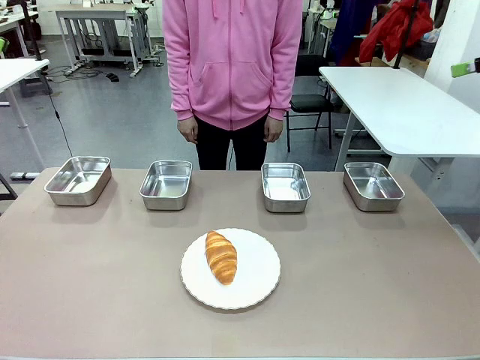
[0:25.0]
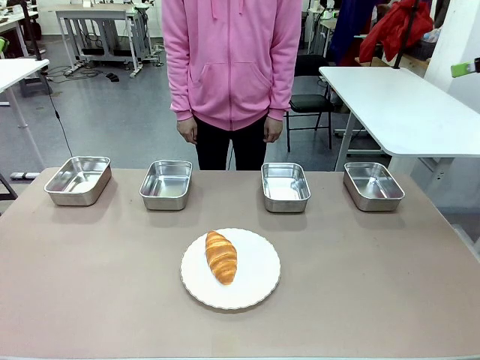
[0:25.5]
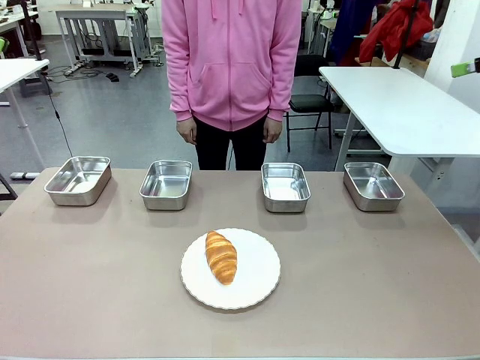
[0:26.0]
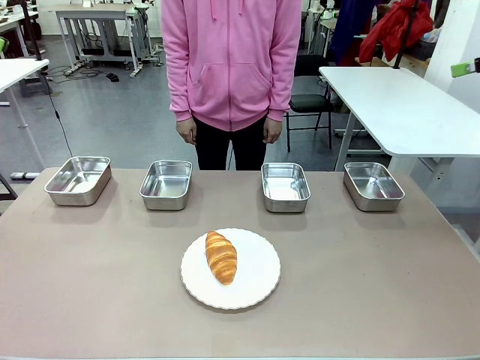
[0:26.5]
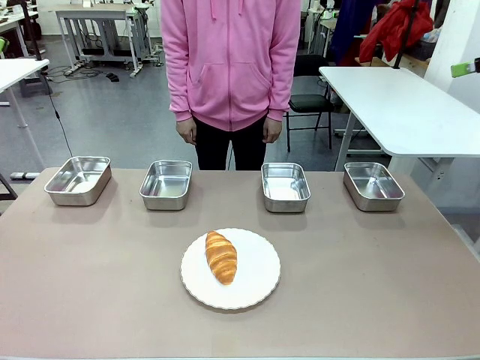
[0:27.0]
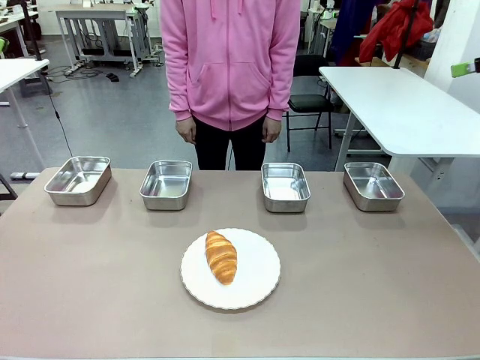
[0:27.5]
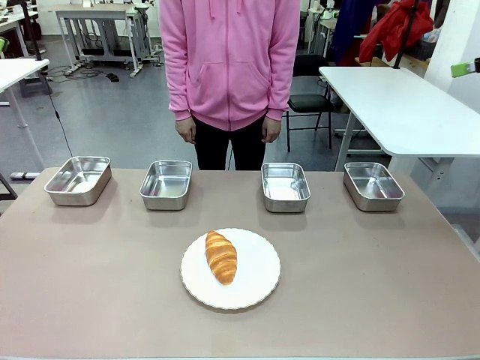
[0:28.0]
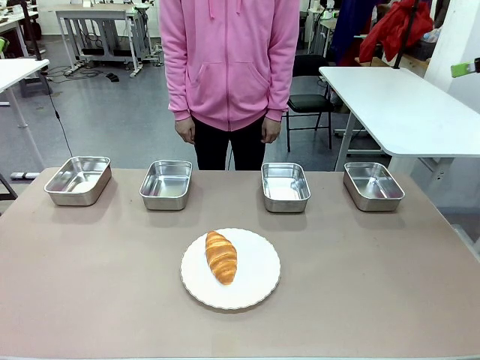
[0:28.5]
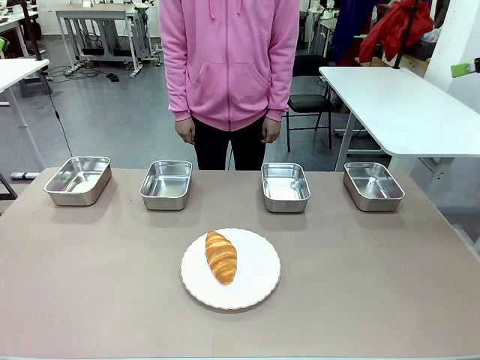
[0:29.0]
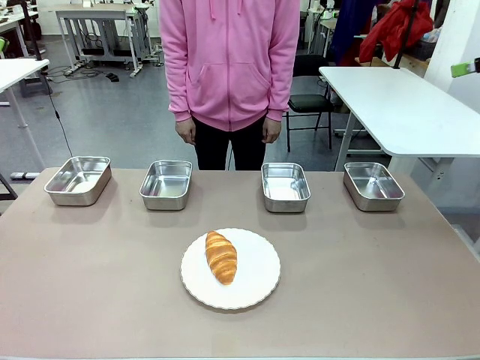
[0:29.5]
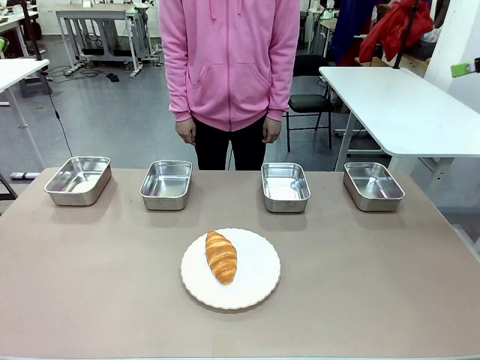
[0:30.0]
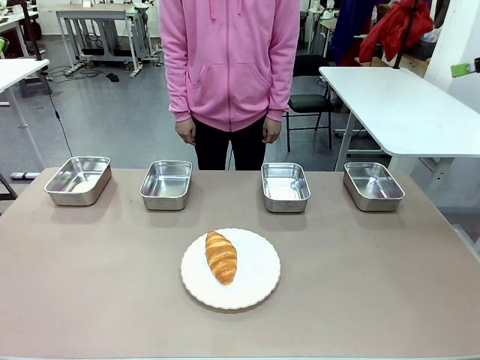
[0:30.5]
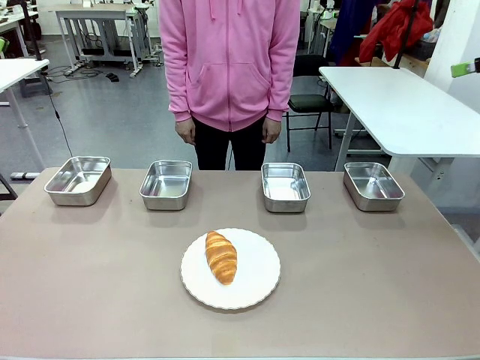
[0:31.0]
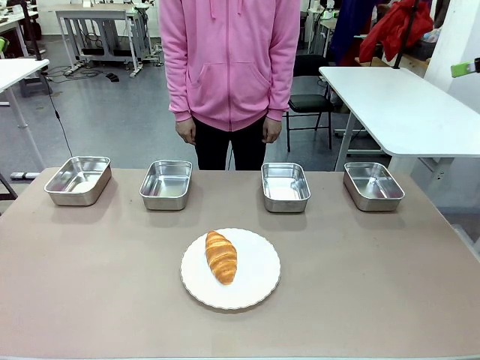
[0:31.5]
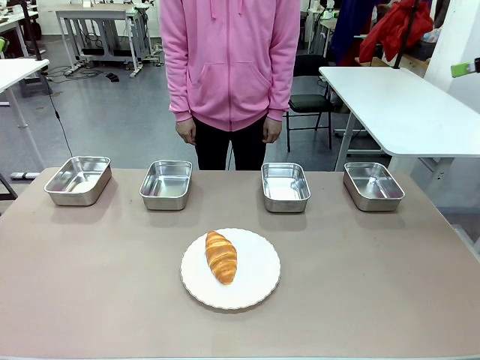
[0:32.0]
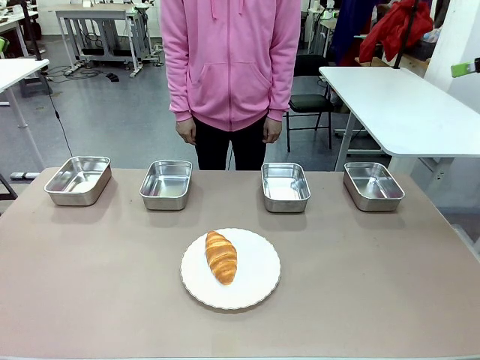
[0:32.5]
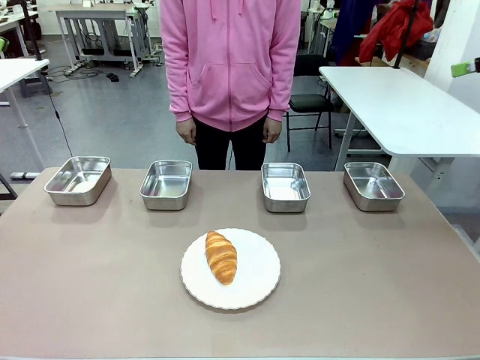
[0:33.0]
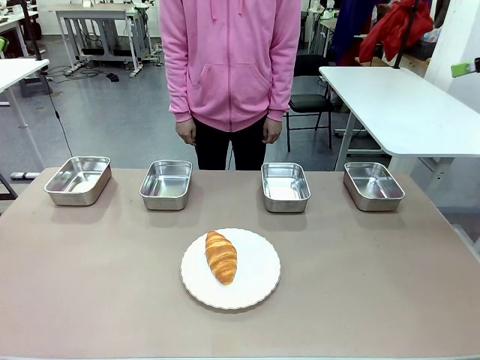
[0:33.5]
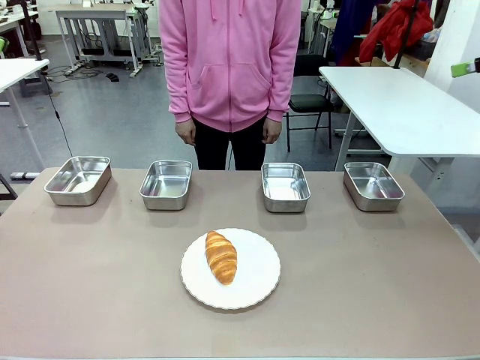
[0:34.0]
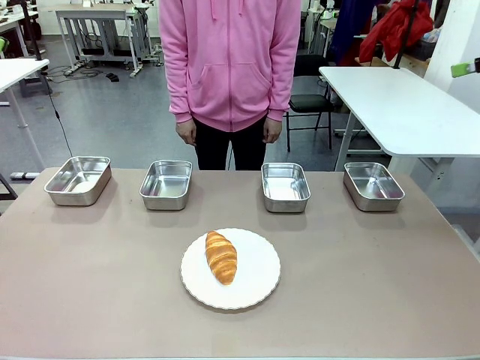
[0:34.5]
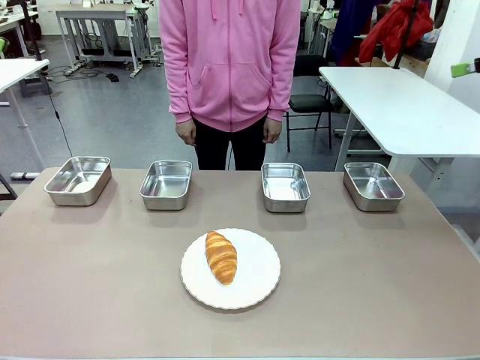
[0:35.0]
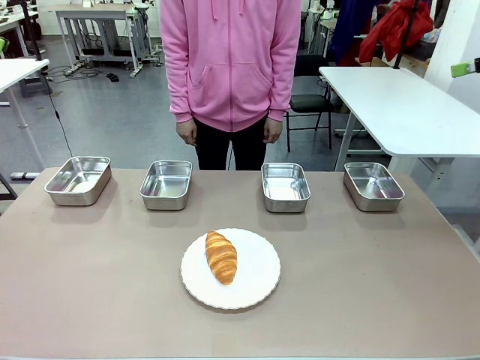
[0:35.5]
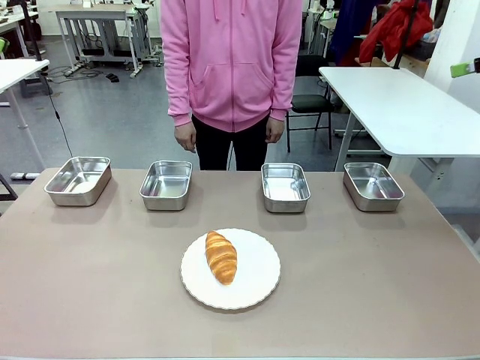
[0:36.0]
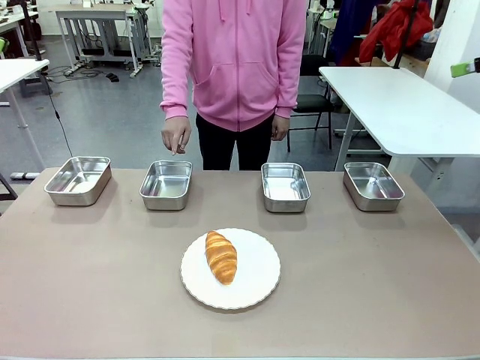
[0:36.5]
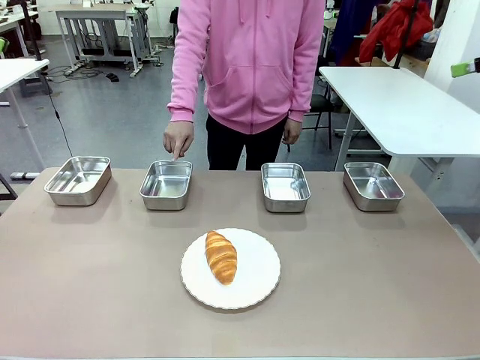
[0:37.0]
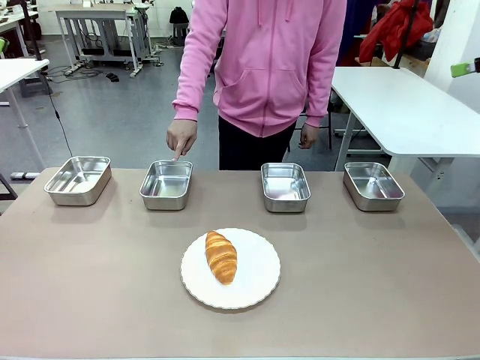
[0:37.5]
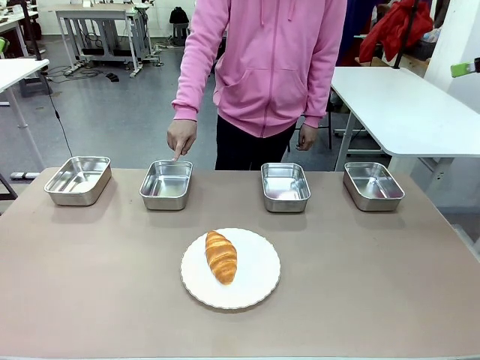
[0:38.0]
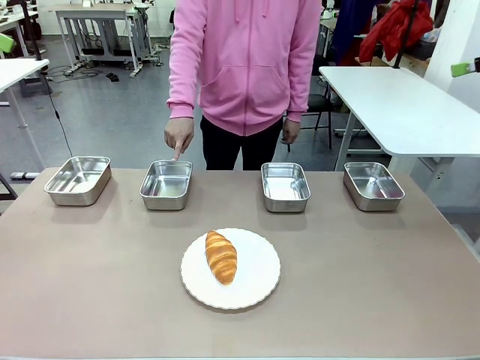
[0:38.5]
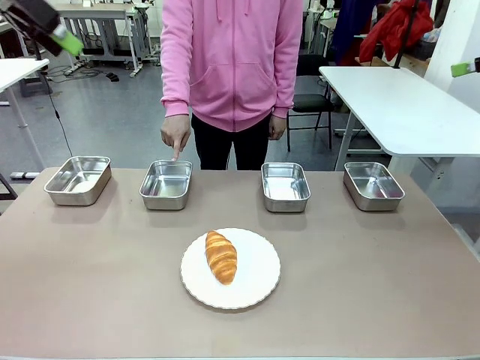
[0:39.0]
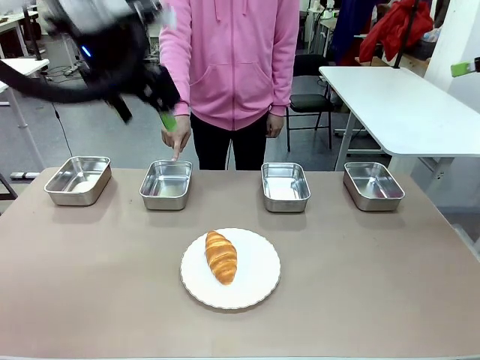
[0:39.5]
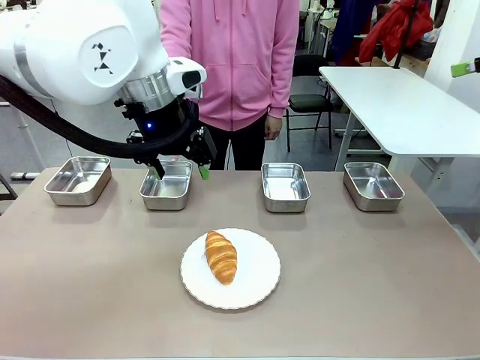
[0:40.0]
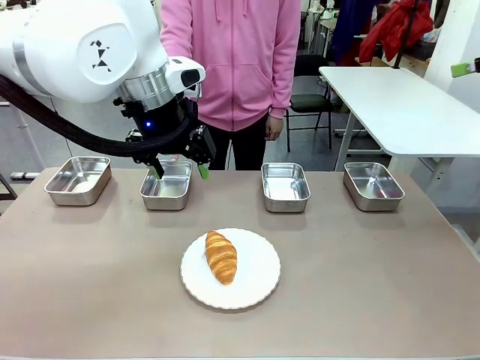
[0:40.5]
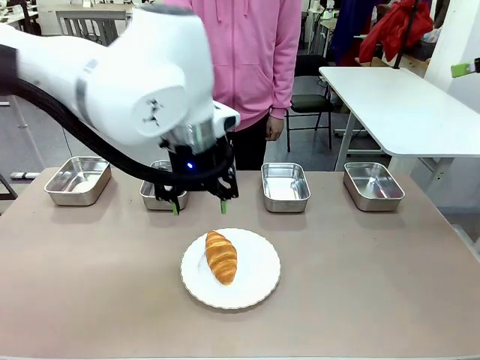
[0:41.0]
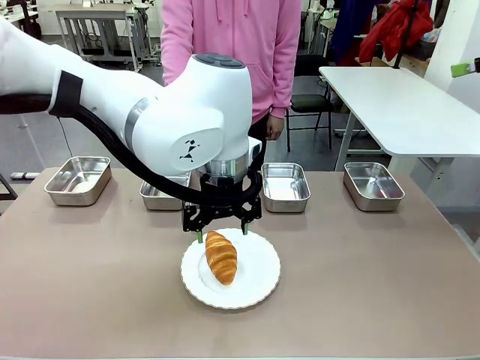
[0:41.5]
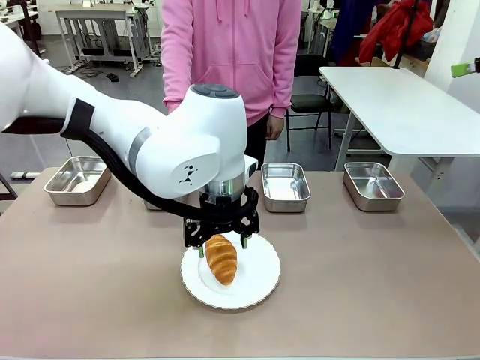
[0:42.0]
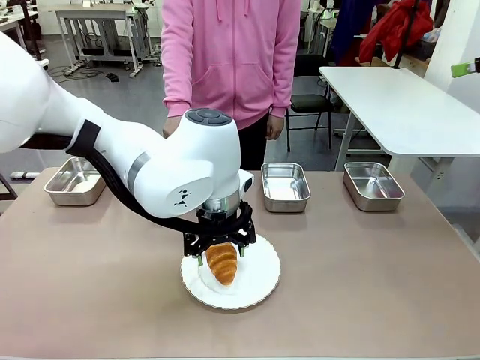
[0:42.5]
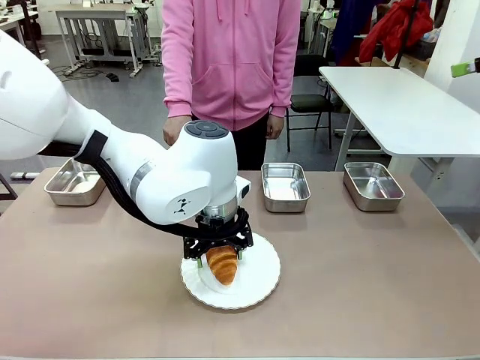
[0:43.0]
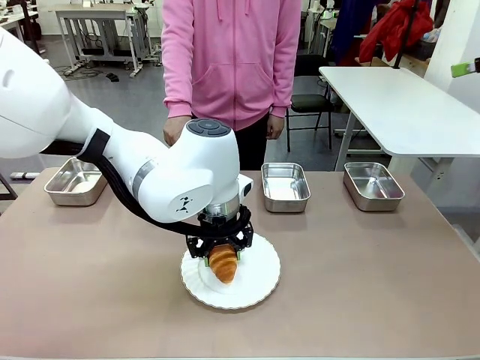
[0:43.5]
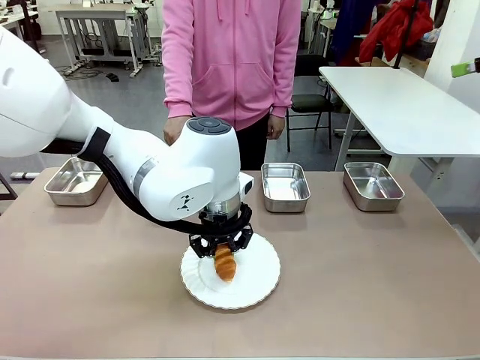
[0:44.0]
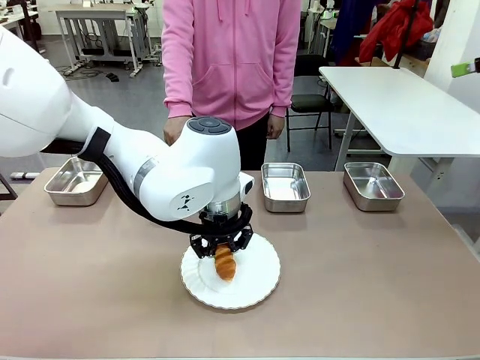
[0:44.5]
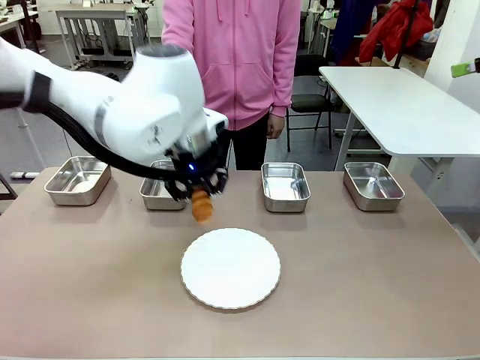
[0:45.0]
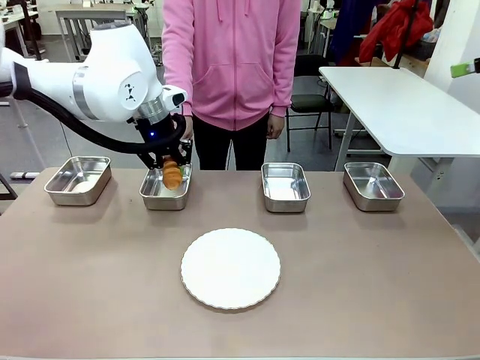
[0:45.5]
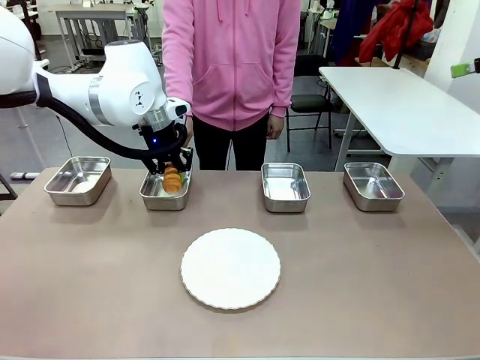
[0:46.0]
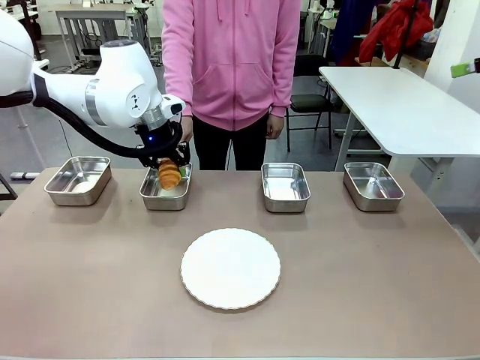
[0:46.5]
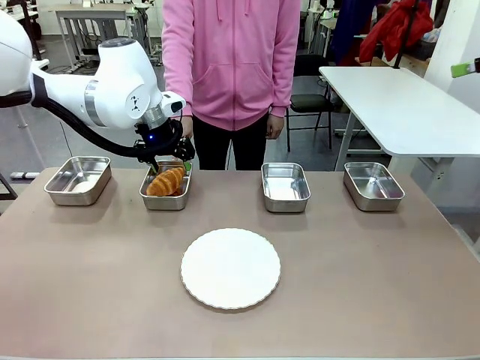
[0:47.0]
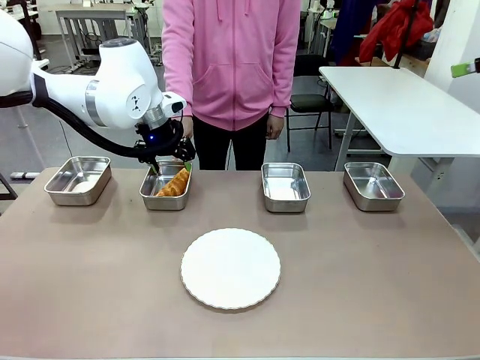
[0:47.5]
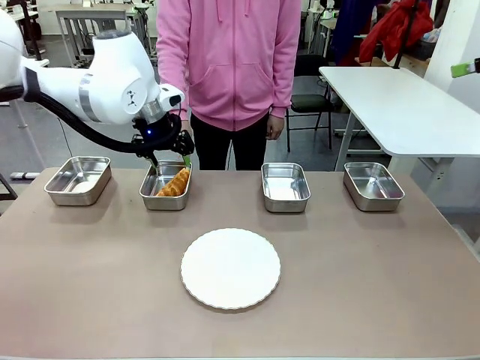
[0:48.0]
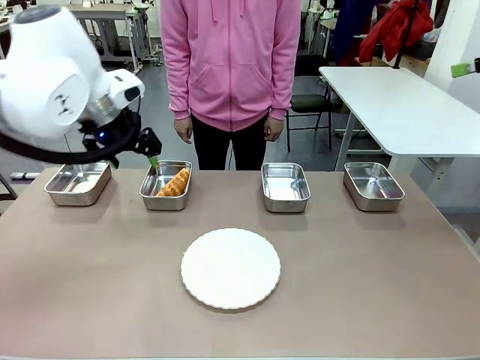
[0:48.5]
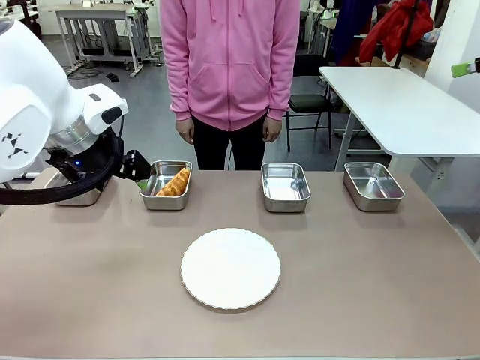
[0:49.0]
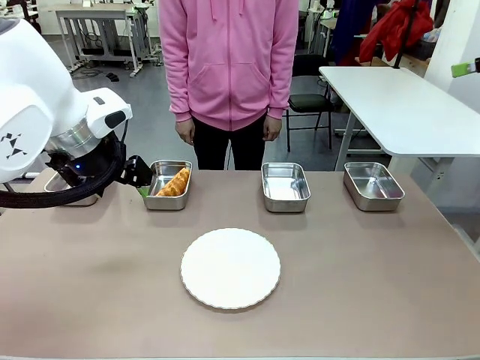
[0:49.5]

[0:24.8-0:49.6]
Task: Place the bread in the container.
Robot: Place the Butter Roll into the Airtight Container indicated by the human.
